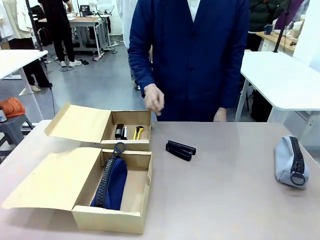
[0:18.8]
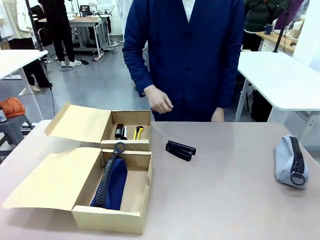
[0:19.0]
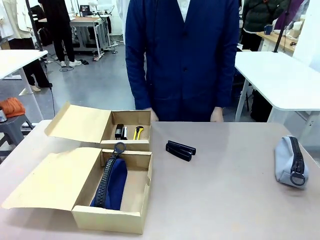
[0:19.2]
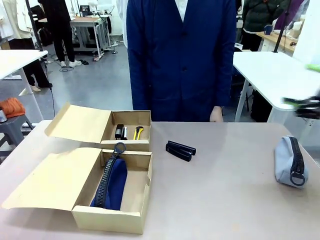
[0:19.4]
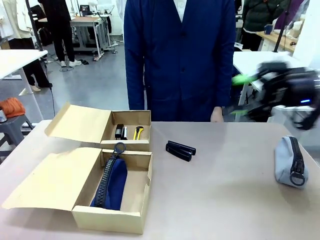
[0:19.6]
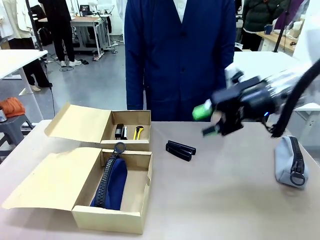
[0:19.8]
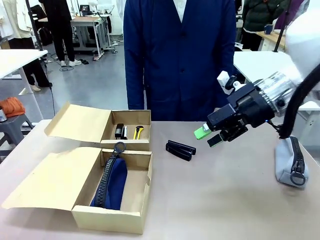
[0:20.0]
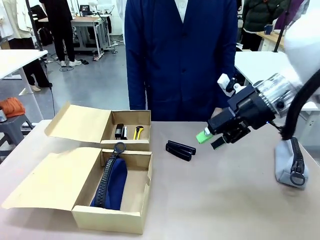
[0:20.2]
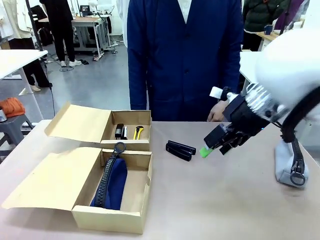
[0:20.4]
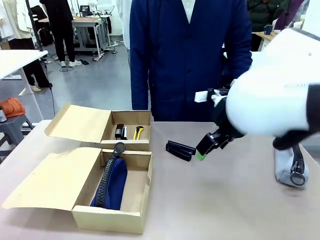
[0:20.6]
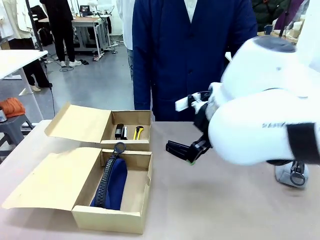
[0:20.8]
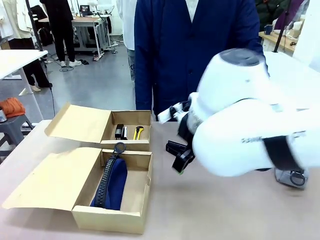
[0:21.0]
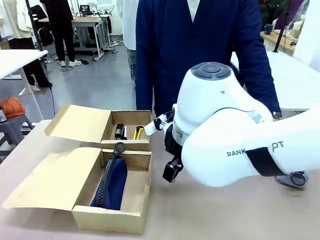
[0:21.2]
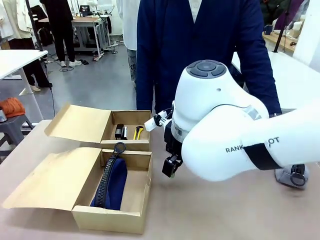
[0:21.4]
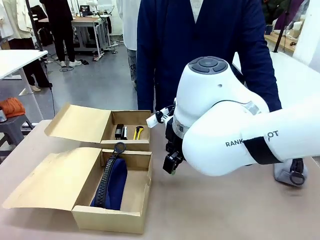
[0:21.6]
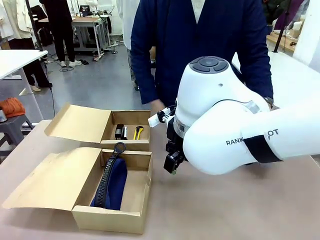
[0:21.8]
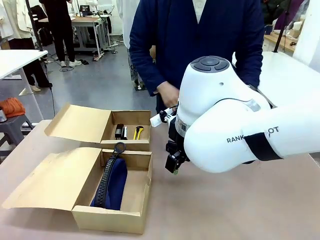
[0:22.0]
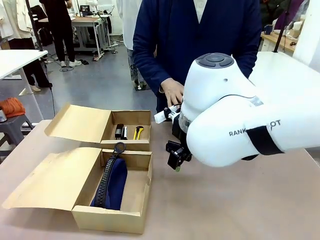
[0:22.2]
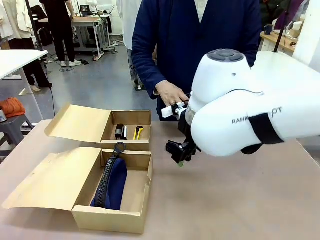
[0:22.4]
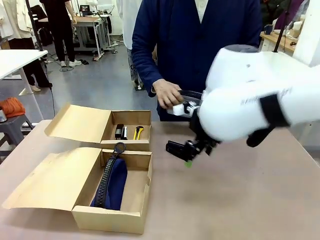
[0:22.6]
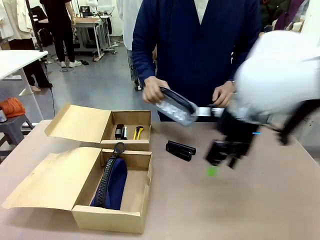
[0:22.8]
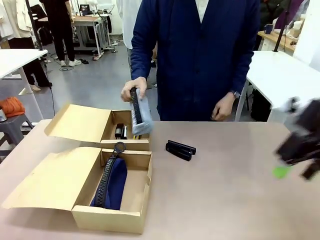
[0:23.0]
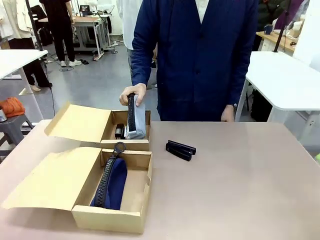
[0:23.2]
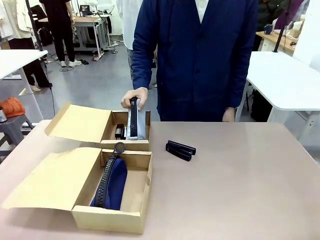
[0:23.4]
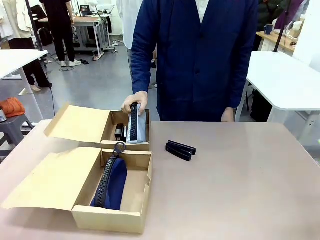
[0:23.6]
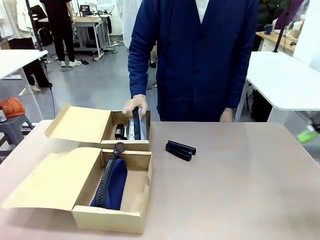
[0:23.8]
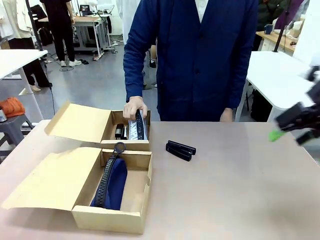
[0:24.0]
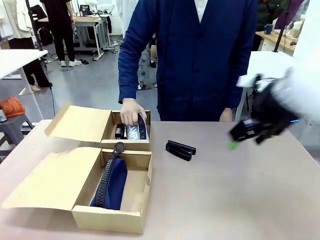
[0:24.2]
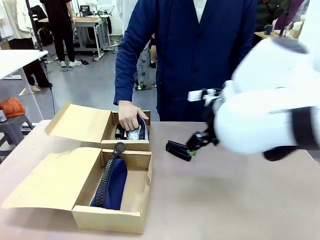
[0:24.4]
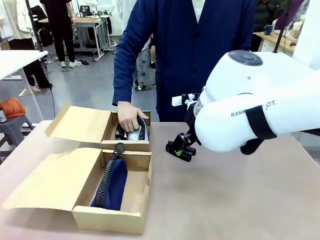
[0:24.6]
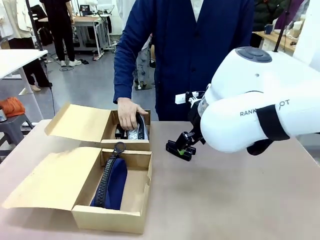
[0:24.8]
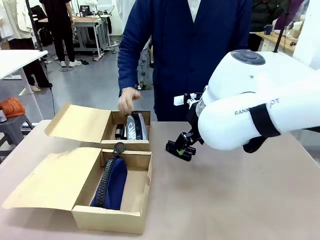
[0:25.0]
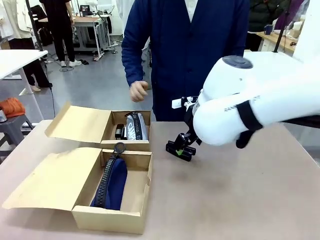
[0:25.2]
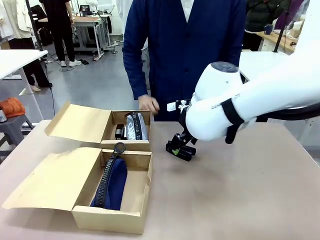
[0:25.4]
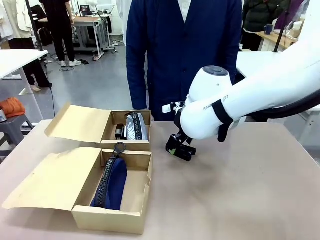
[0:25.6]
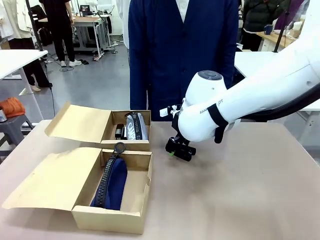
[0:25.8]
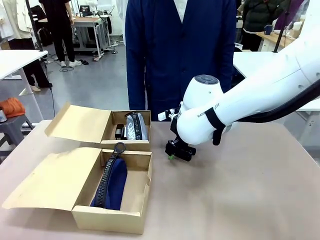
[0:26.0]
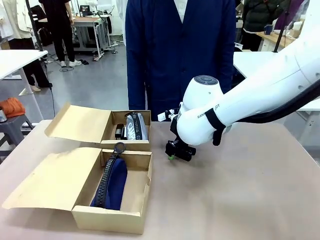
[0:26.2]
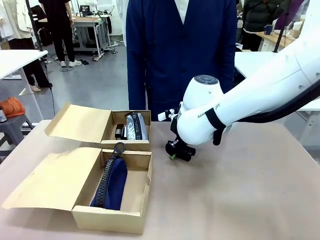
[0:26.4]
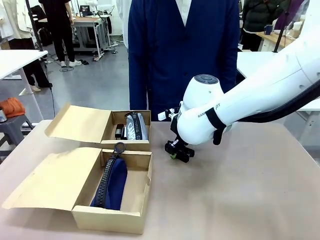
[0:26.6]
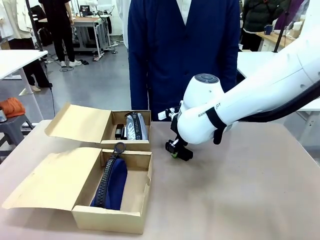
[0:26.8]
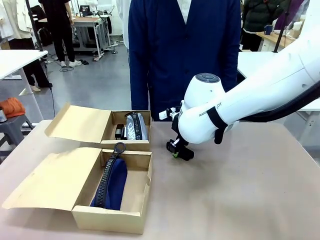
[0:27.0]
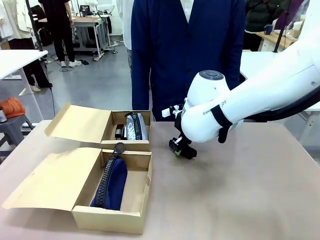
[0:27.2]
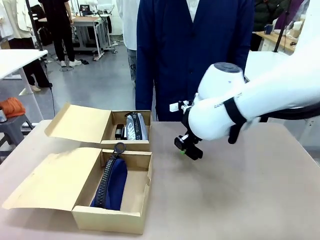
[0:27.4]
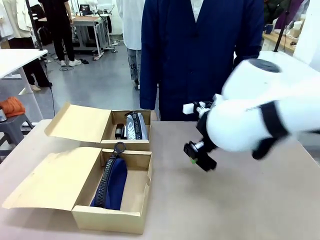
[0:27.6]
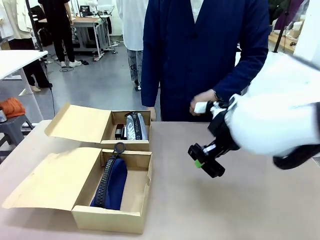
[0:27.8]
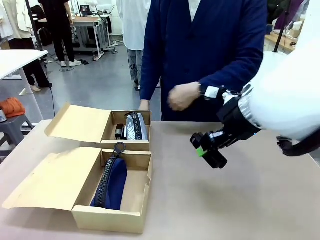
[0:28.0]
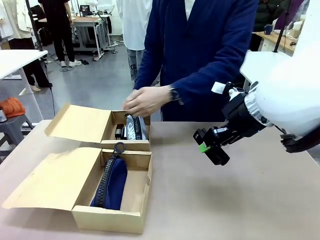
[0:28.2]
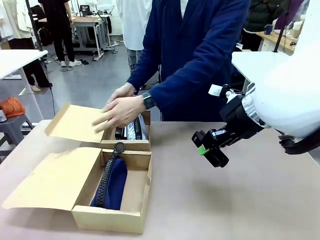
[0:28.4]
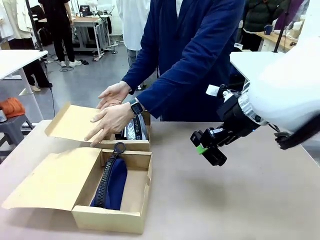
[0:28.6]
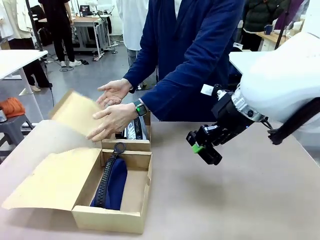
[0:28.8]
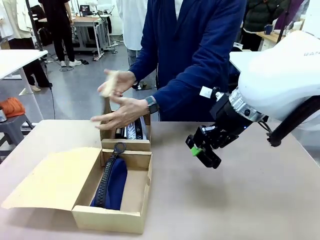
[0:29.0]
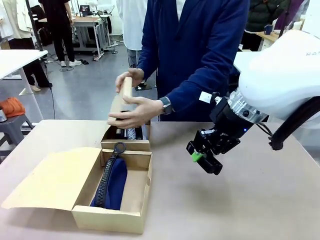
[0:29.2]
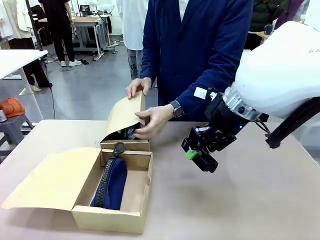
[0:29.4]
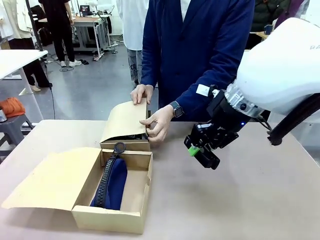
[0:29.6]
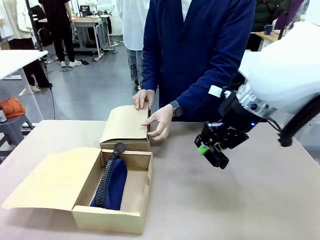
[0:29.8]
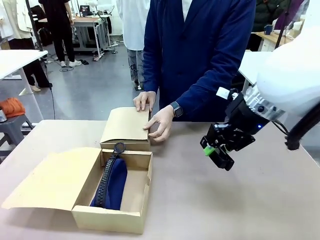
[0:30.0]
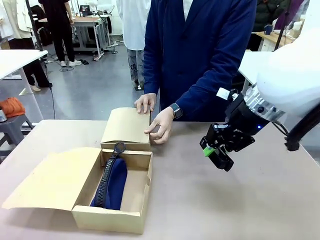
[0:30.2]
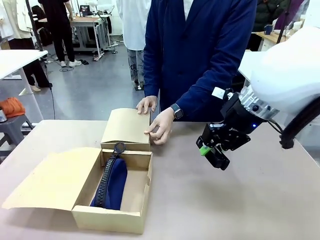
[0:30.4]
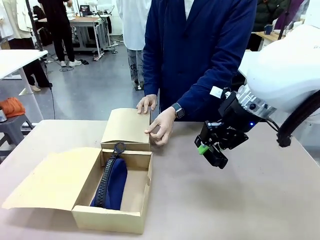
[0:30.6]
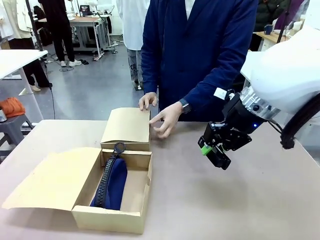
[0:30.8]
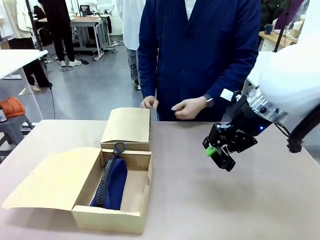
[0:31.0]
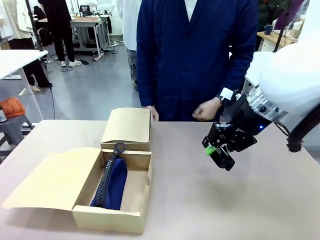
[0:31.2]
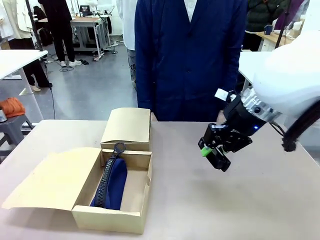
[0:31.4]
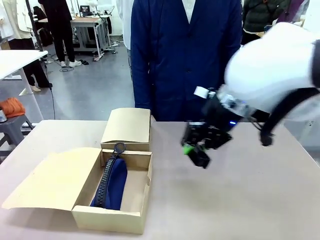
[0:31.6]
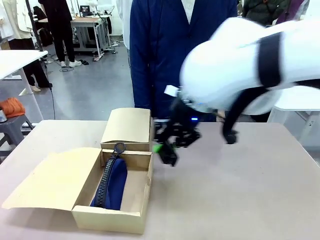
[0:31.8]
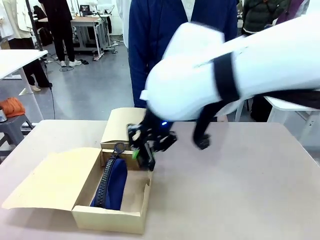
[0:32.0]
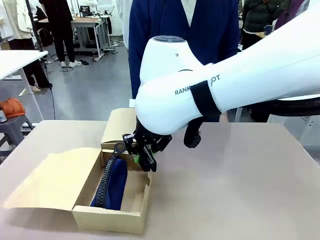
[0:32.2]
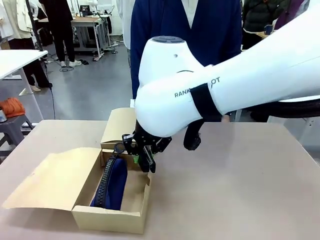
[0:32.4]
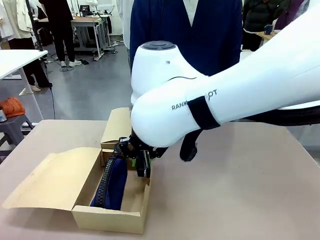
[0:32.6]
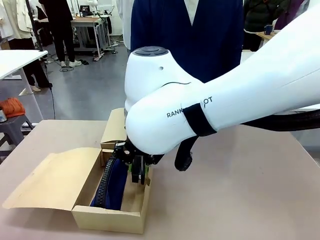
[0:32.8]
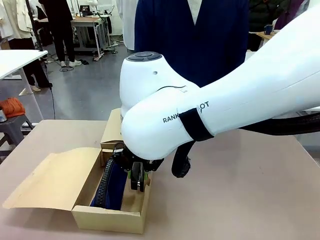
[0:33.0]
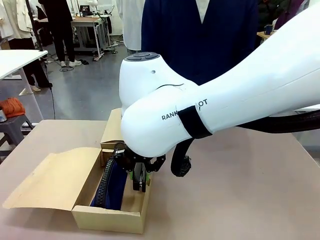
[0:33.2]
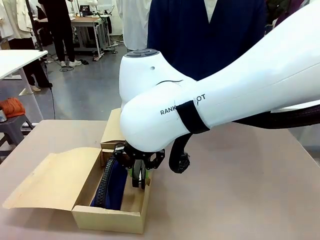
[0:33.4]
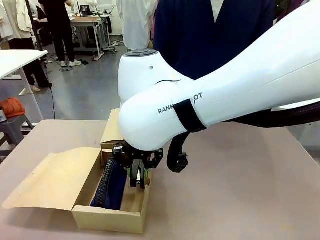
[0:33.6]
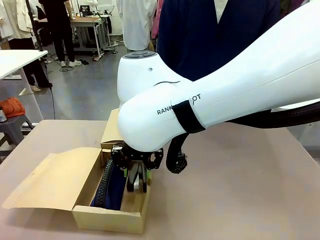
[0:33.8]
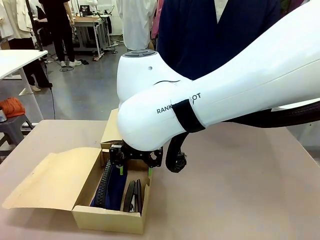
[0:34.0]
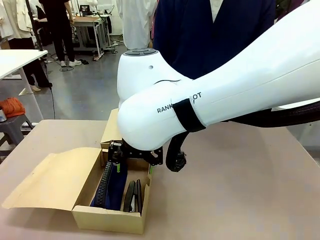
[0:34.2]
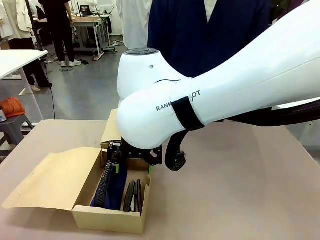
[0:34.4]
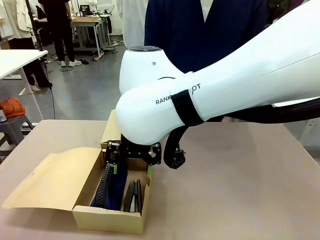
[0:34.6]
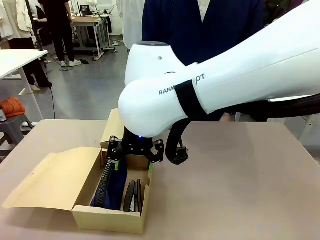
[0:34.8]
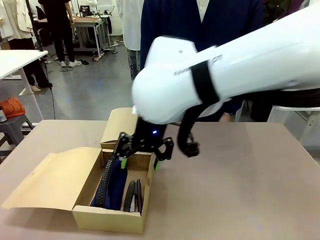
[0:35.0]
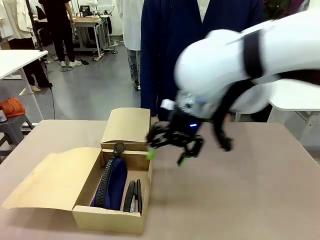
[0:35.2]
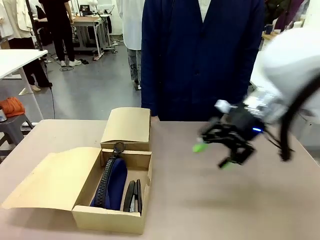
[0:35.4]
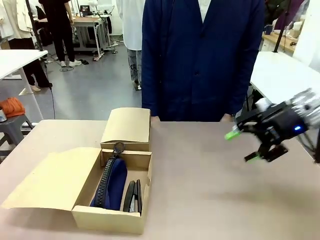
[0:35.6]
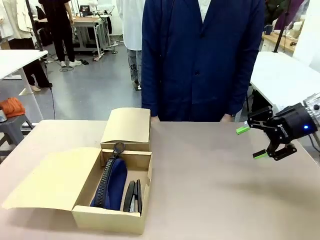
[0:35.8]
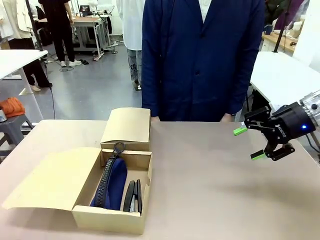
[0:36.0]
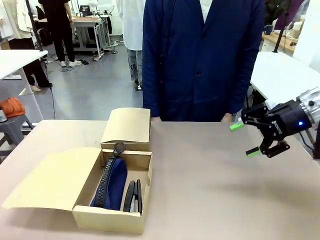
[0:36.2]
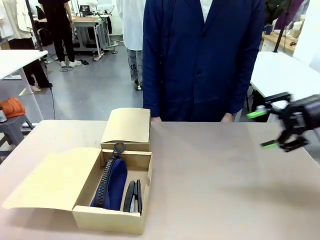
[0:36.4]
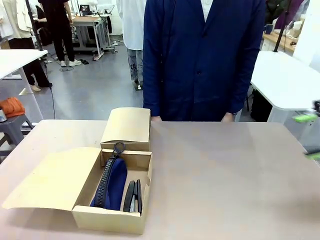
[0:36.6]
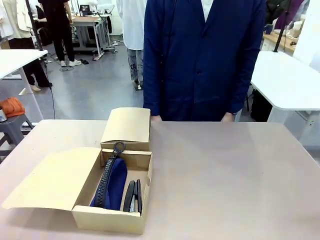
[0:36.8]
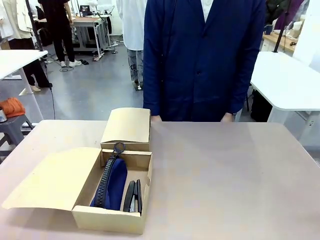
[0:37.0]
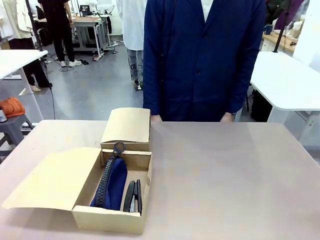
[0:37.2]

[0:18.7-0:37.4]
Task: Place items inside the box.
Robot: Pick up a Pencil pouch or Stapler and place it inside the Mailer Box closest to the robot.
Person: Close the lid of the box facing the person.
